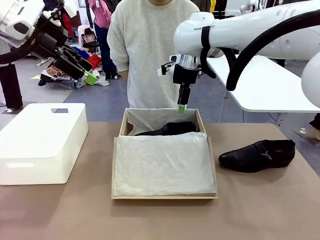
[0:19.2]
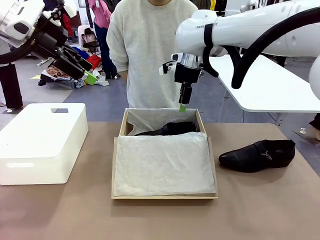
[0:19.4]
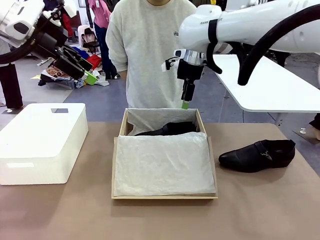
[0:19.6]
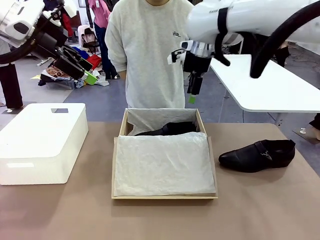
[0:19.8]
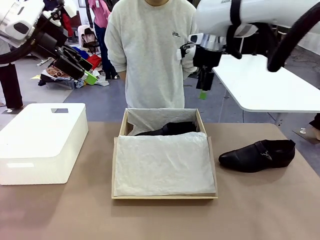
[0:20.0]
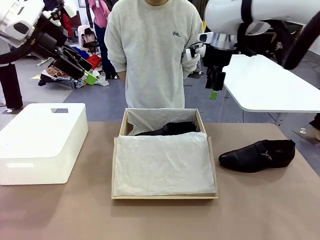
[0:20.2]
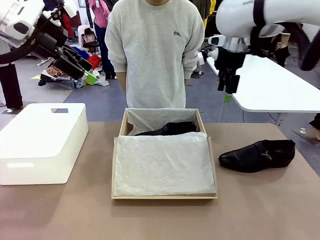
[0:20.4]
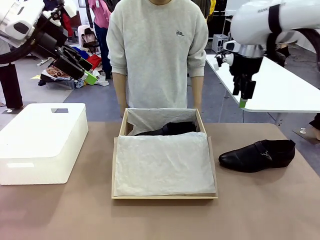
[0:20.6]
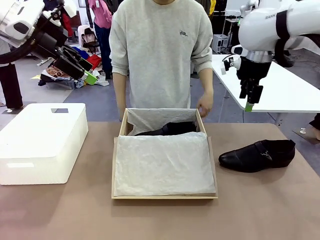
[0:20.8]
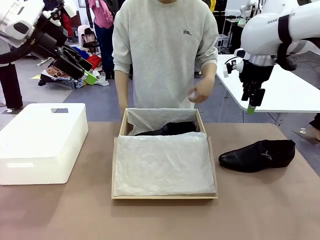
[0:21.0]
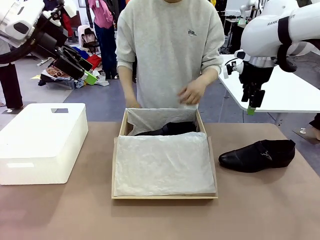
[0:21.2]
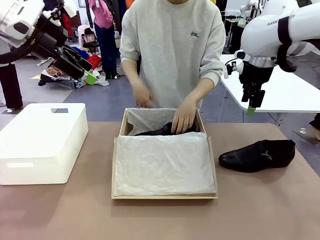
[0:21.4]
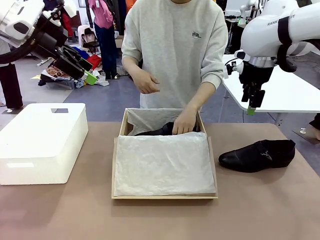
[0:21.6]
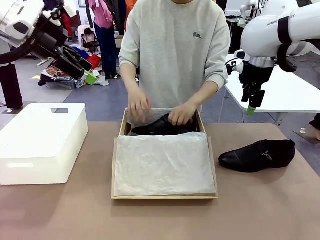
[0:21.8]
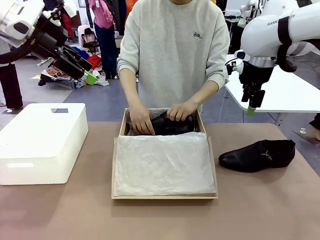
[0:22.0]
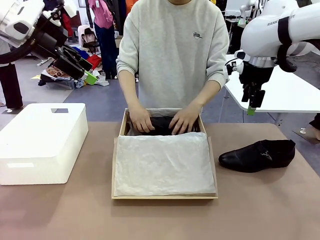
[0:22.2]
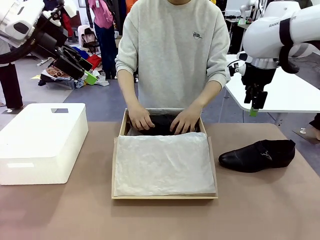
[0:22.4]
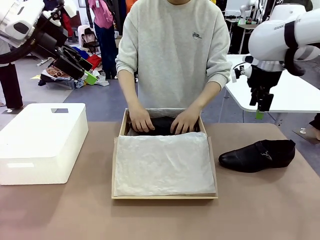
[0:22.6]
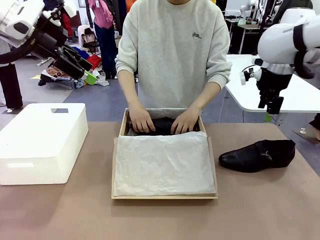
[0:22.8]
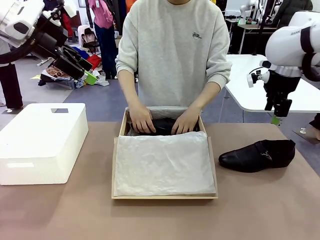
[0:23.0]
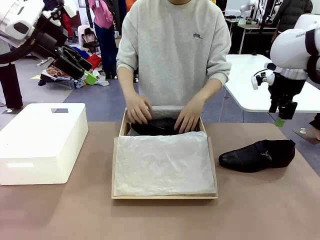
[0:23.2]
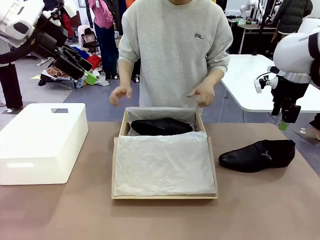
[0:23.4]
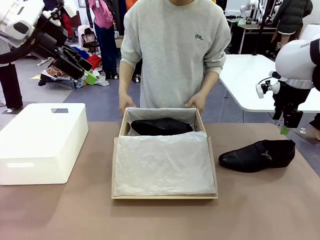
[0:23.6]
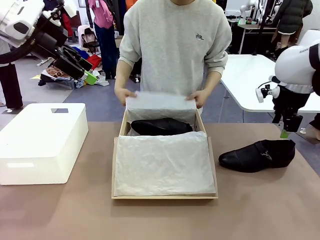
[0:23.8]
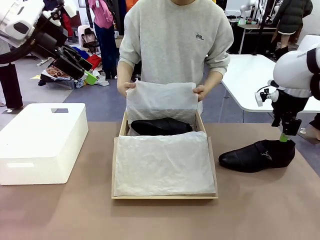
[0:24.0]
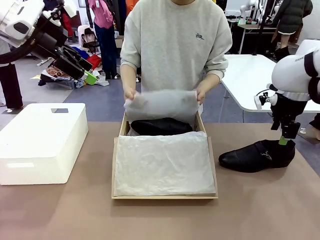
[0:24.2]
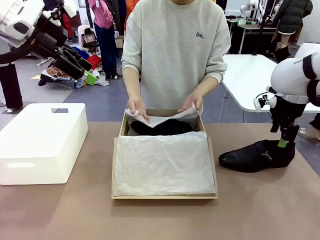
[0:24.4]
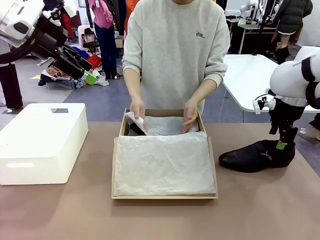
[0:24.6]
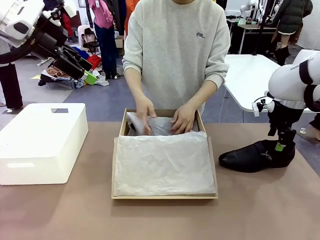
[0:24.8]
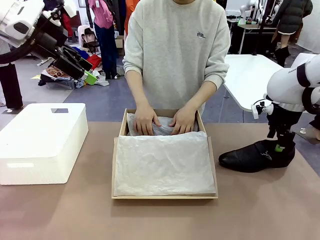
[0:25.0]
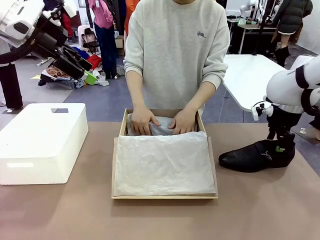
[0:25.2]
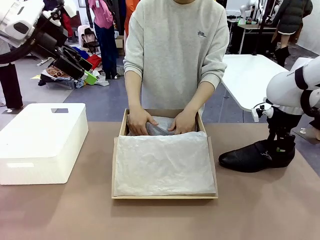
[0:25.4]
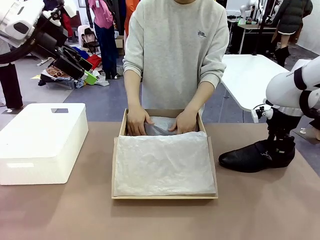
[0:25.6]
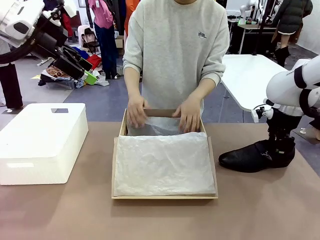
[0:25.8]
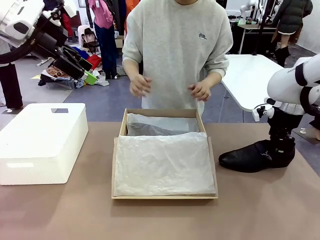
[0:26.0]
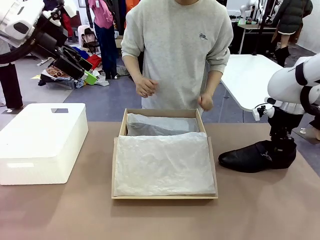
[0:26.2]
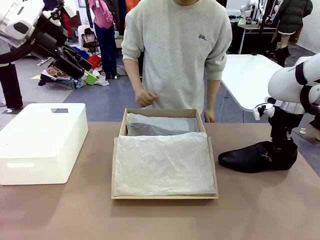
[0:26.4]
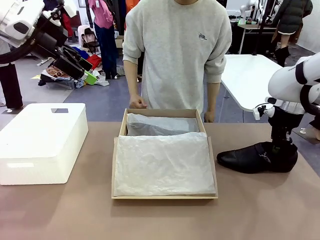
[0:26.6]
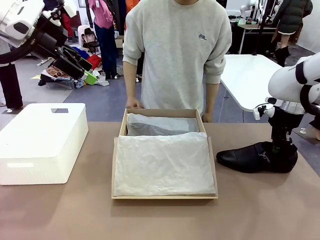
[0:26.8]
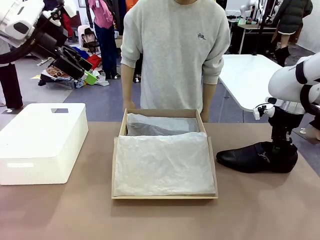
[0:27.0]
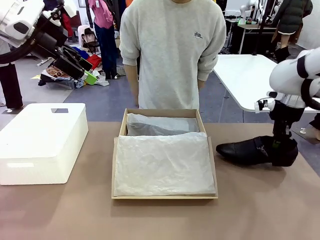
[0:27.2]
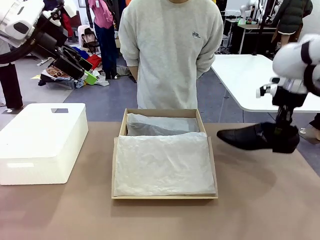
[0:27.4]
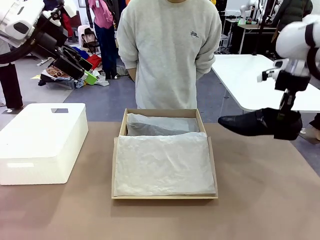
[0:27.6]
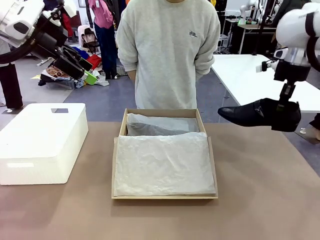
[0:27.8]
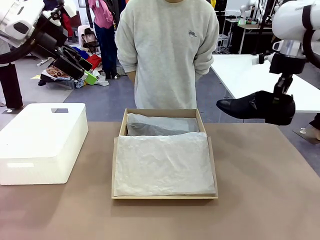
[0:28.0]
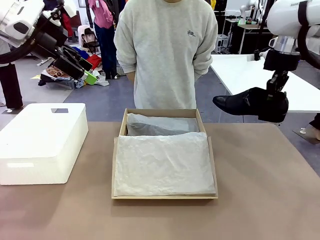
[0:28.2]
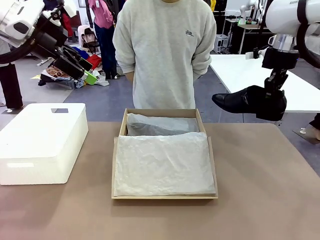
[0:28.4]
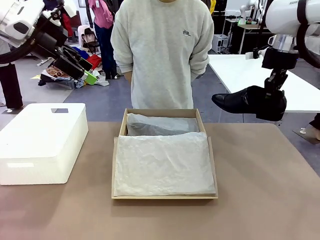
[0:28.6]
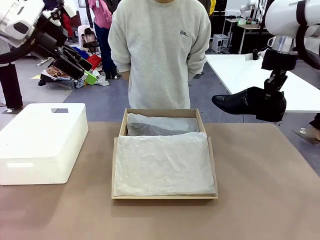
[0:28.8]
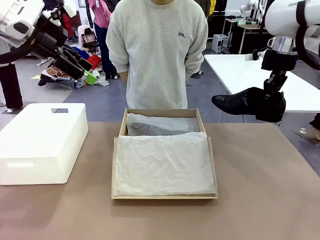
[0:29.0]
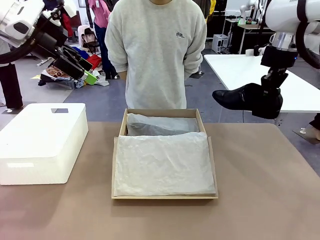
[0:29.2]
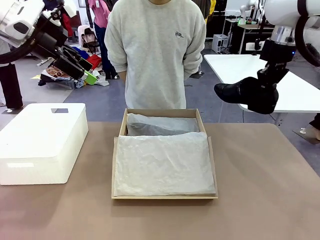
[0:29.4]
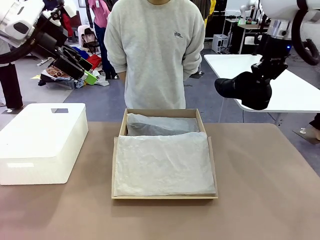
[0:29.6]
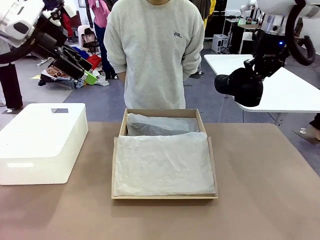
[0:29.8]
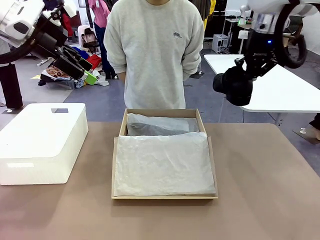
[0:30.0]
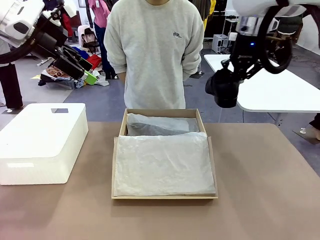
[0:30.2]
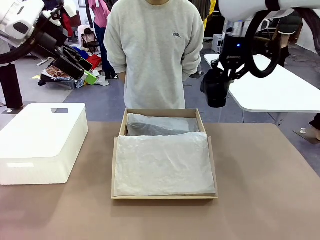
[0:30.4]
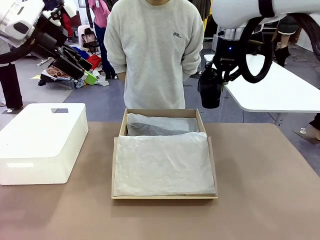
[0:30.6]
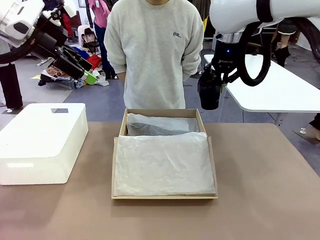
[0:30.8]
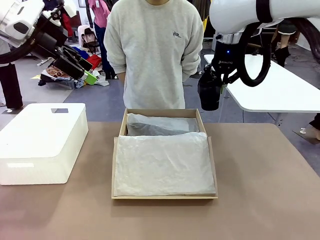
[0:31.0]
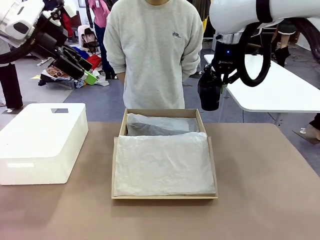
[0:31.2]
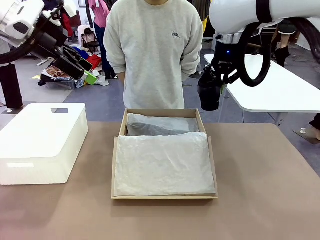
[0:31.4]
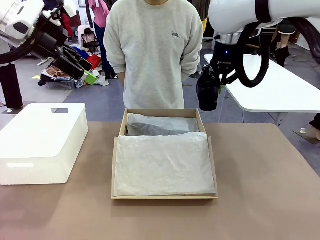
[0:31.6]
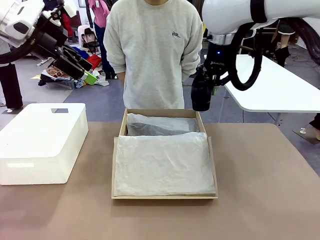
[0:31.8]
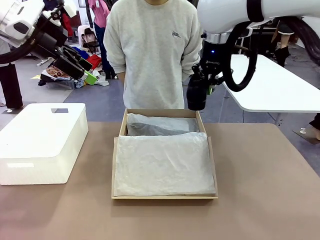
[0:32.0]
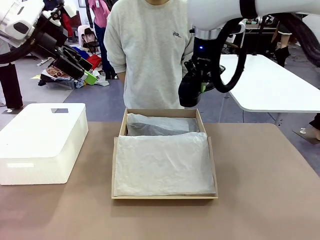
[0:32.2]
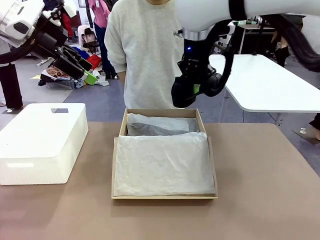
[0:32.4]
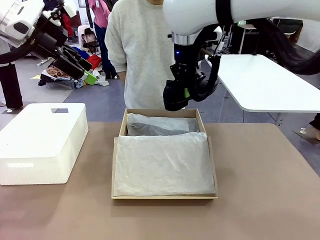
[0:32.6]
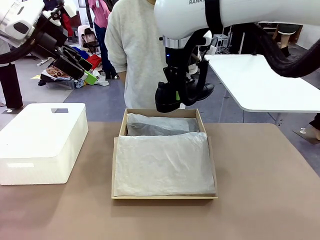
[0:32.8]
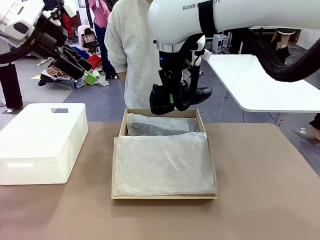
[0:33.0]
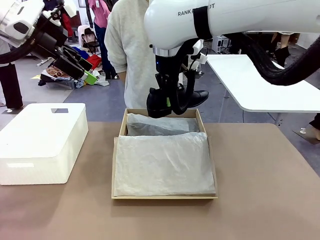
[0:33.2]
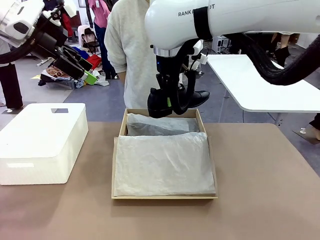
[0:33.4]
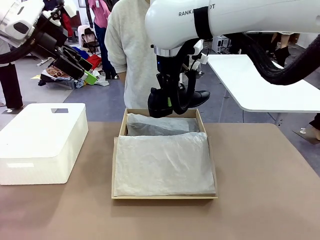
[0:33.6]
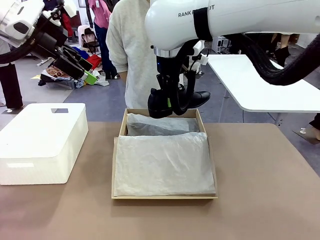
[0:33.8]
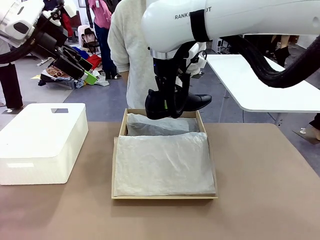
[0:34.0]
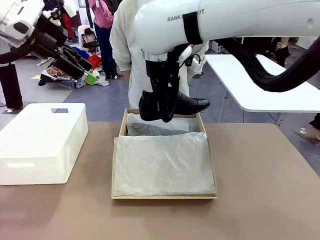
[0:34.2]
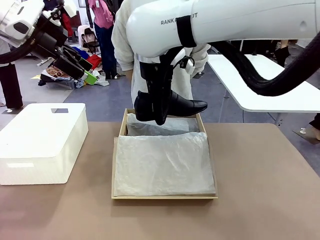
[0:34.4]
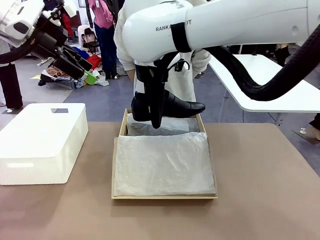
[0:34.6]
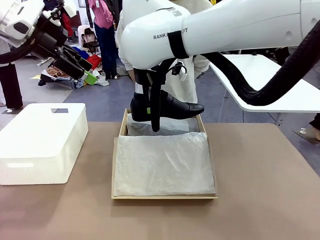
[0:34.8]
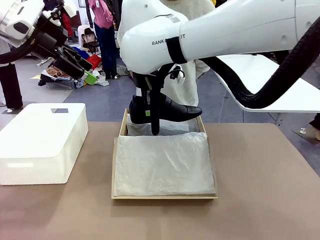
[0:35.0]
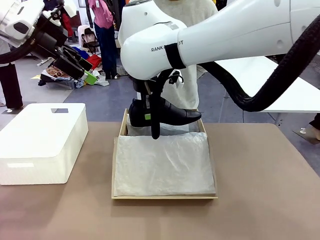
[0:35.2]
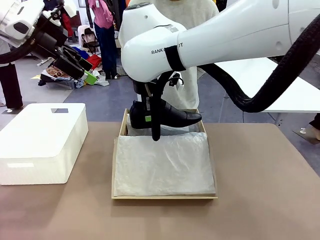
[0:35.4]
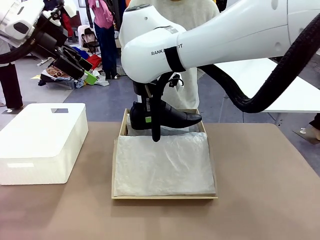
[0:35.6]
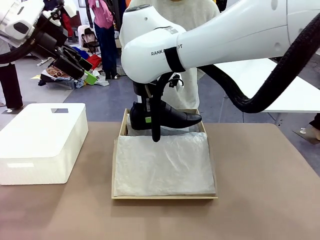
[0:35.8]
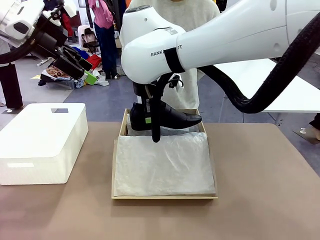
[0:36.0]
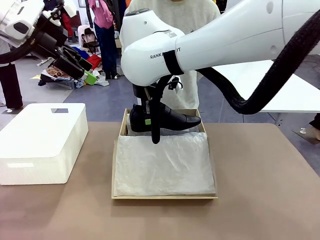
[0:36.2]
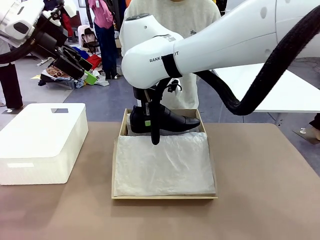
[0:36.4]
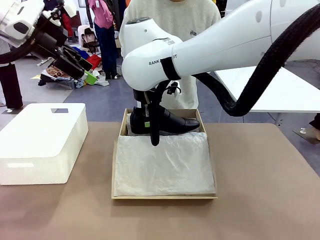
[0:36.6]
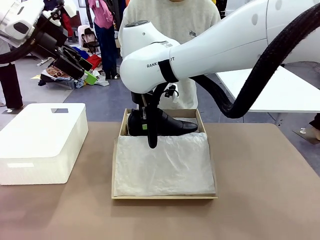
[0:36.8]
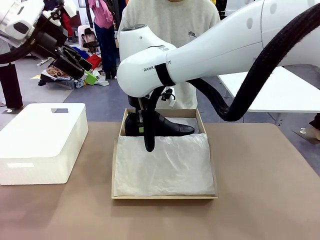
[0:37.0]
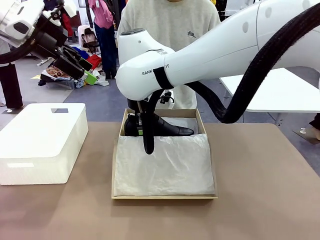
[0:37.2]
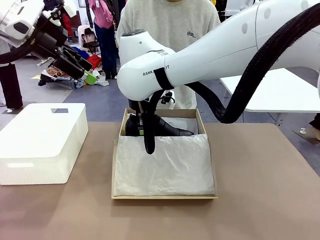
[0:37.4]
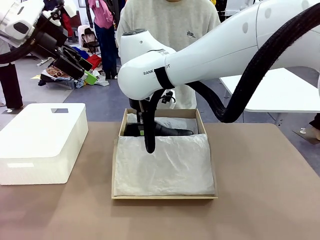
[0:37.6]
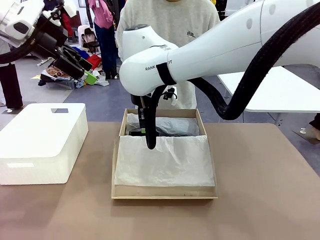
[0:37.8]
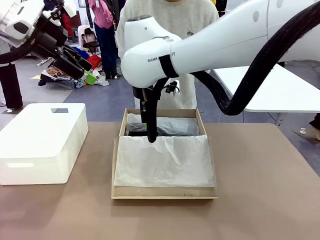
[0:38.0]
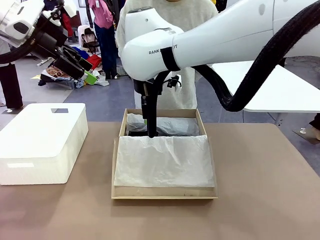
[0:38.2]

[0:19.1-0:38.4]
Task: Pack the shoes into the box.
Robot: Place the other shoe of the Shoes into the Shoes Box.
Person: Pack a shoe of Shoes inside the Shoes Box with Shoes Wrapping Paper.

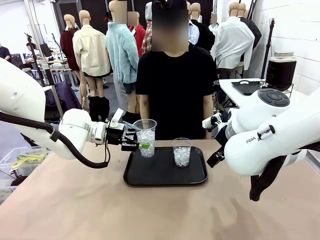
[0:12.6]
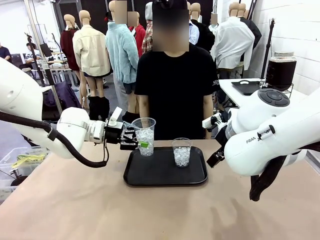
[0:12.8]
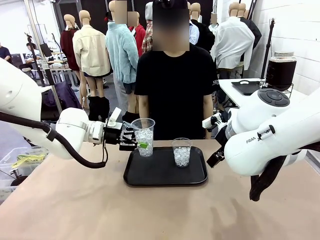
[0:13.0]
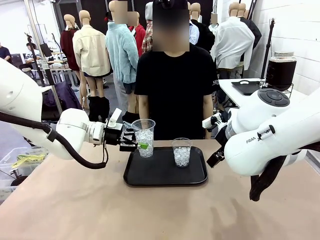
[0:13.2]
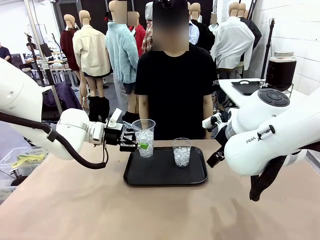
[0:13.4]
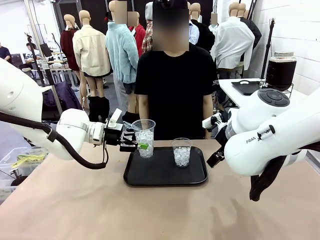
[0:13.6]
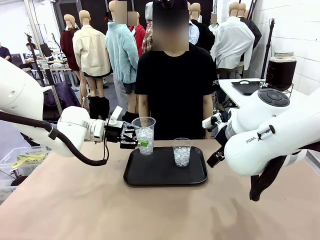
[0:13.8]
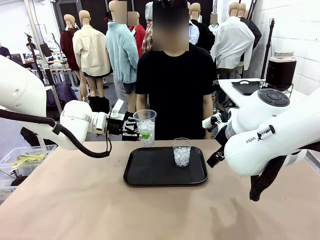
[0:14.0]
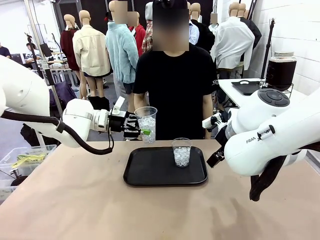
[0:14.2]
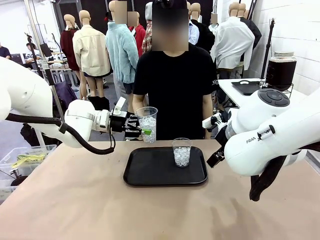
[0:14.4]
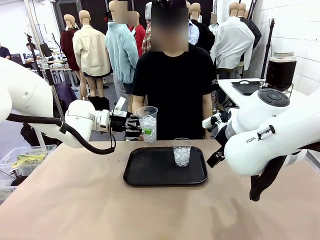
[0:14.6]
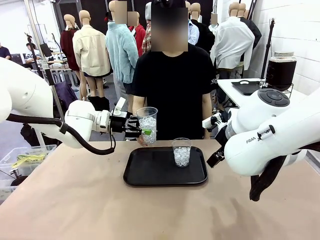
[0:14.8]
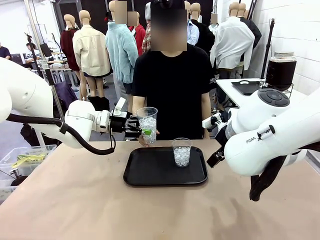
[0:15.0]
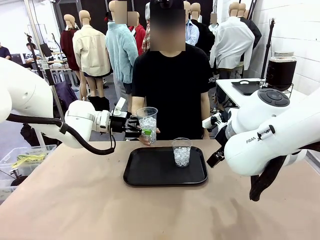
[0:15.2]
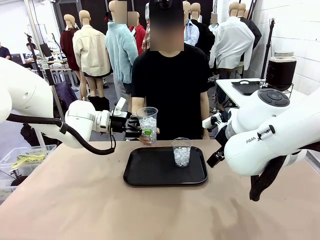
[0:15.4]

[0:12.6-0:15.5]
Task: Pour the drink into the iced cup.
Robot: Open the gripper to release the iced cup you were holding.
